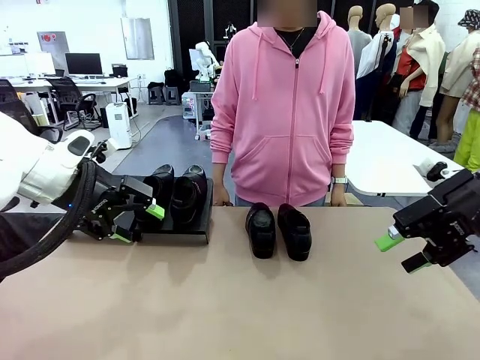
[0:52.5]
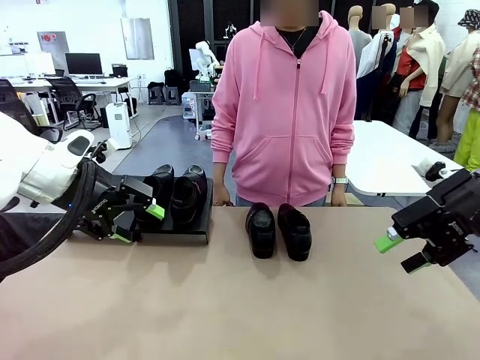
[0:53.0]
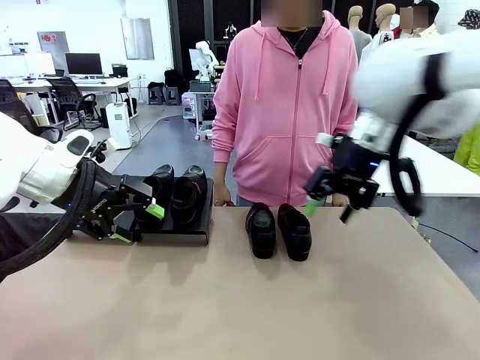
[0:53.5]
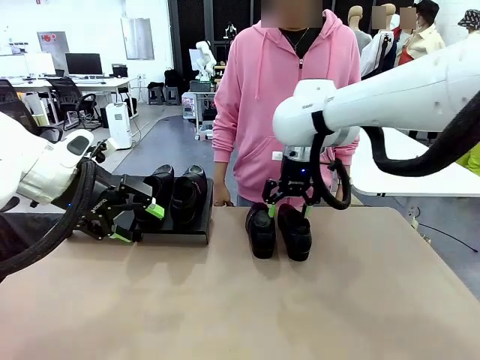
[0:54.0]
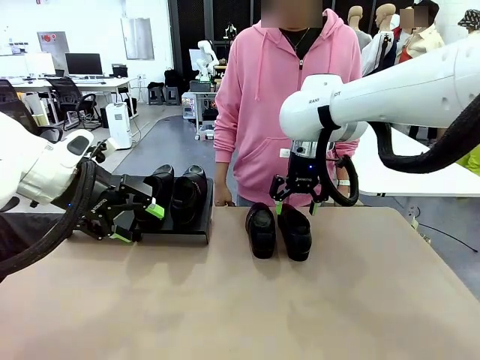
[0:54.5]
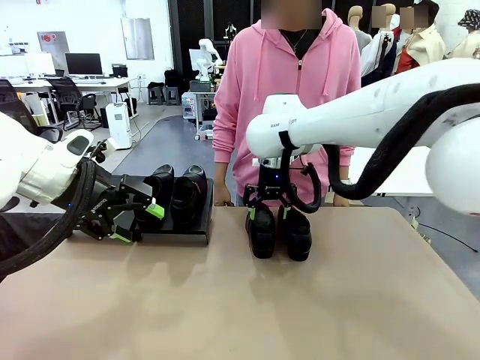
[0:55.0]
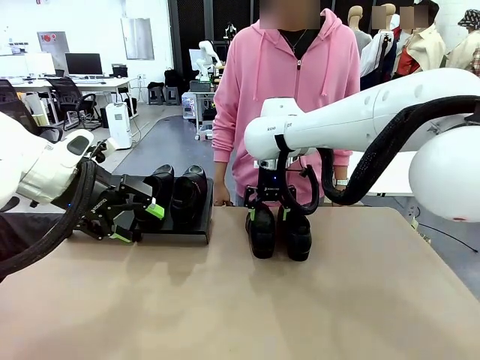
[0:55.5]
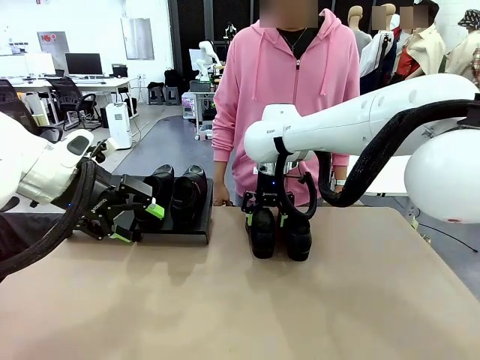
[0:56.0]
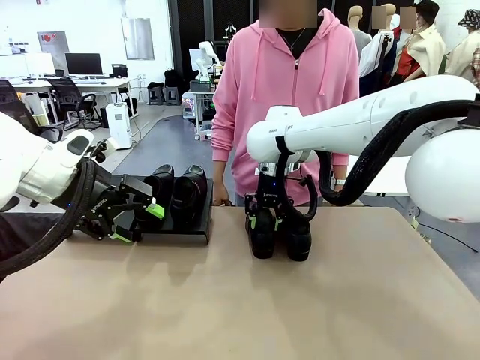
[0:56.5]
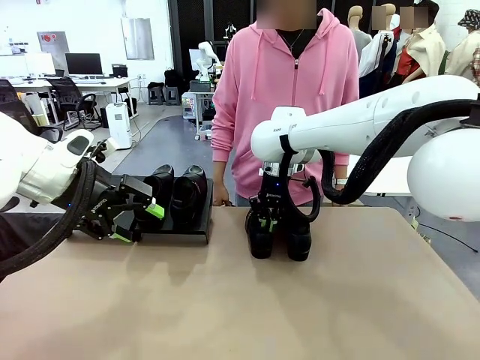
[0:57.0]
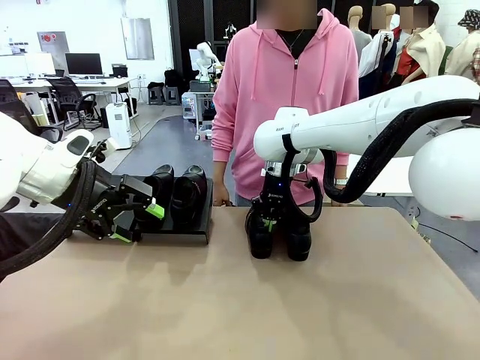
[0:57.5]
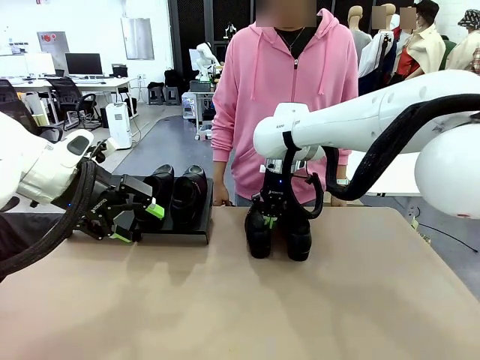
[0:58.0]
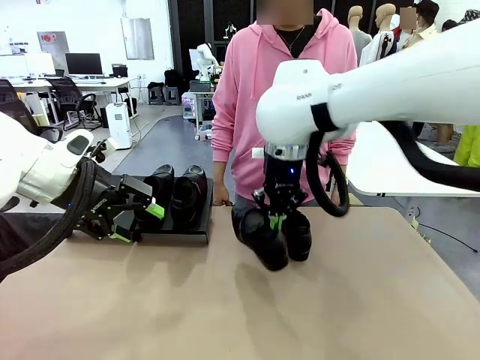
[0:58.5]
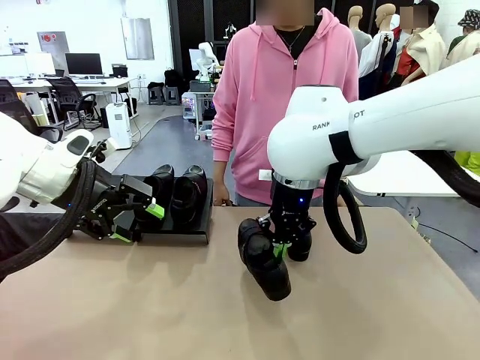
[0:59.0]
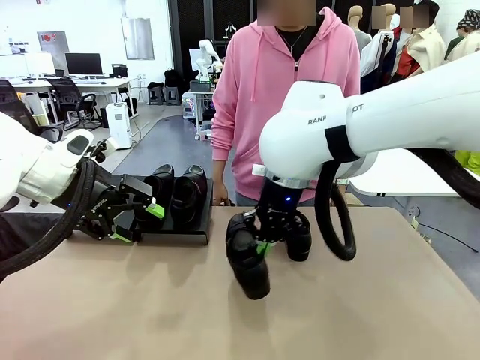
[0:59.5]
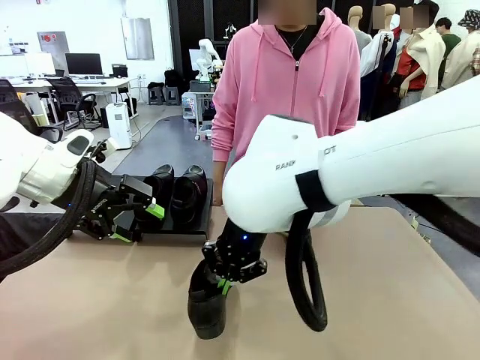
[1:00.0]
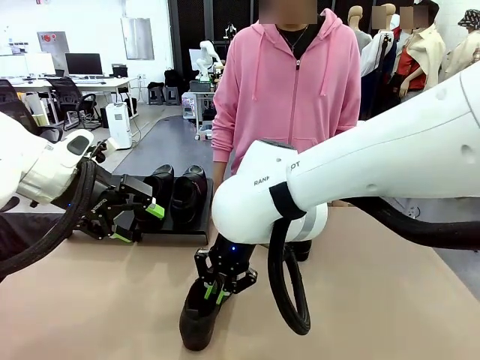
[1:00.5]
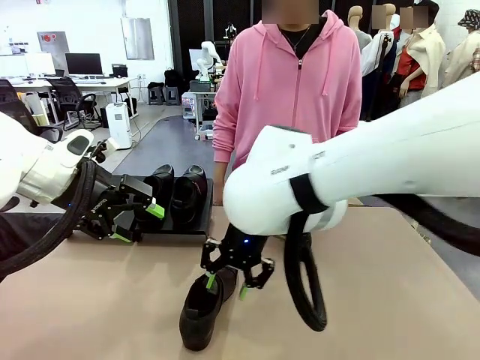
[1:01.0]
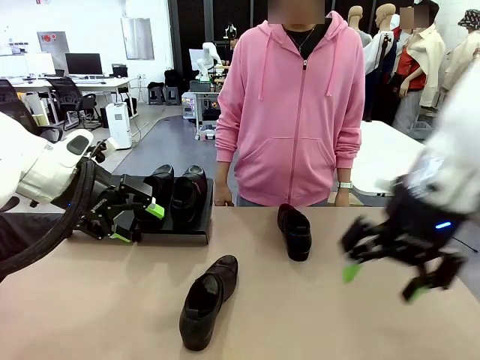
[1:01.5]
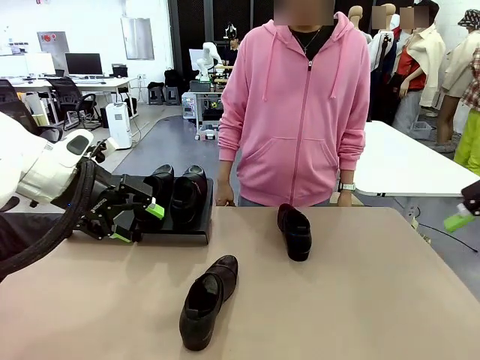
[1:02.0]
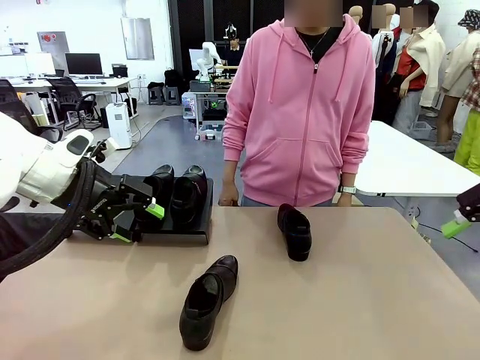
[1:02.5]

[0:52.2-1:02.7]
Task: Organize the shoes by placing them on the stand.
Robot: Pick up one Shoe and place it in the middle of the table.

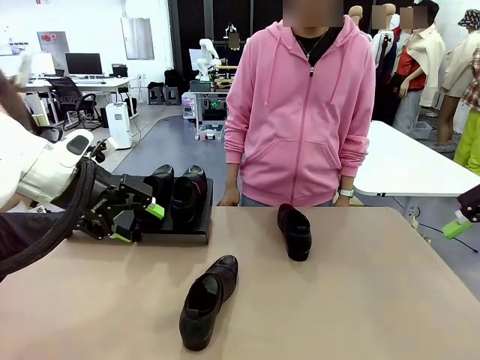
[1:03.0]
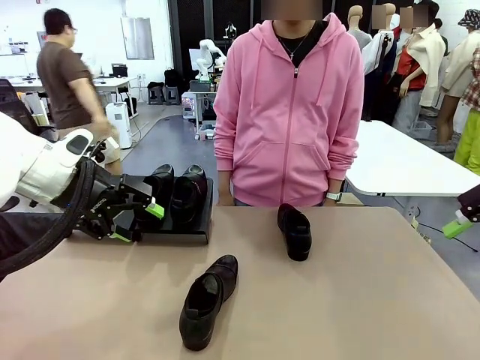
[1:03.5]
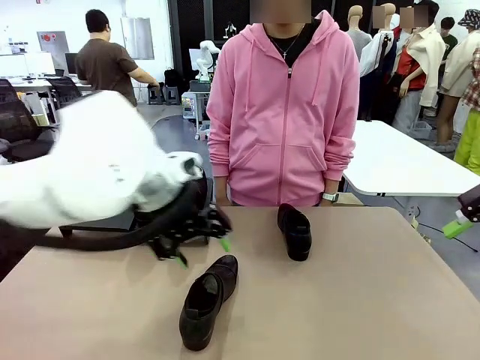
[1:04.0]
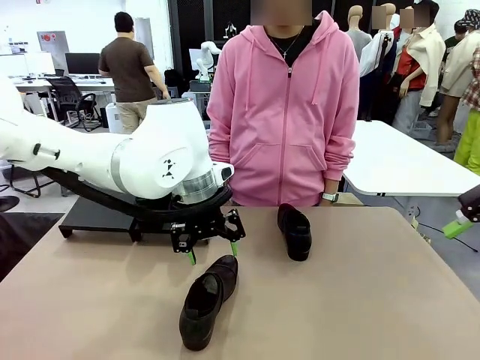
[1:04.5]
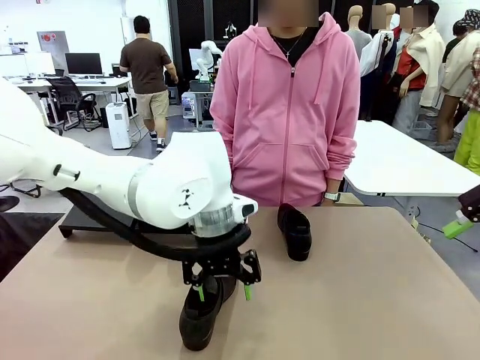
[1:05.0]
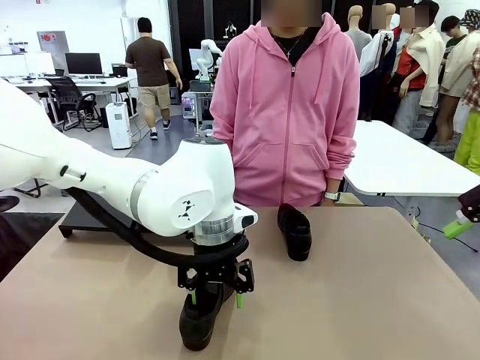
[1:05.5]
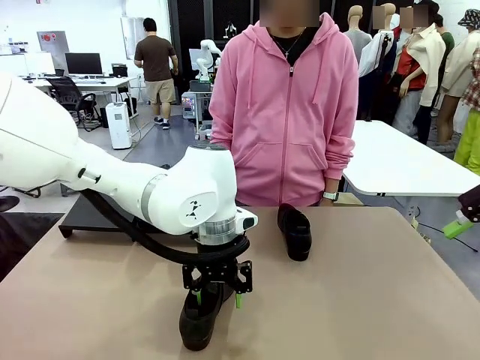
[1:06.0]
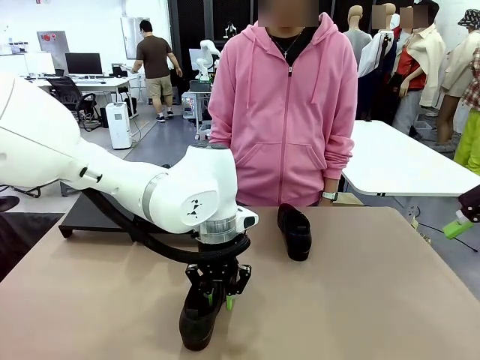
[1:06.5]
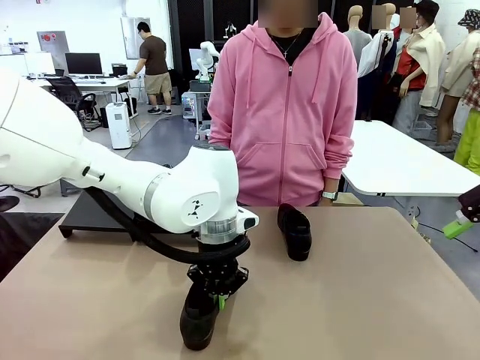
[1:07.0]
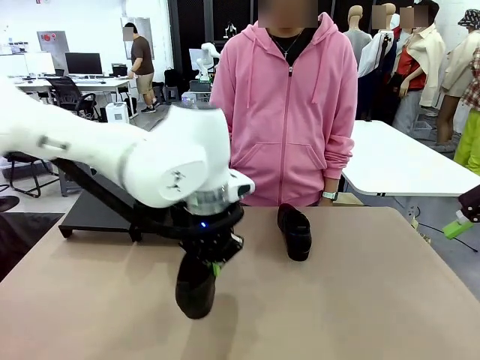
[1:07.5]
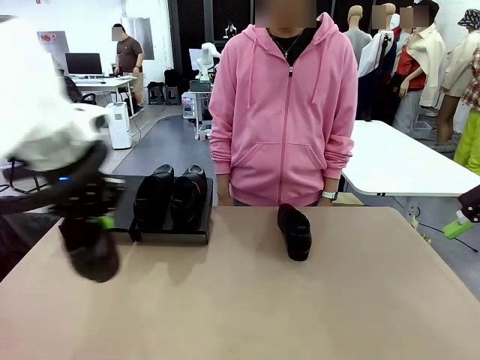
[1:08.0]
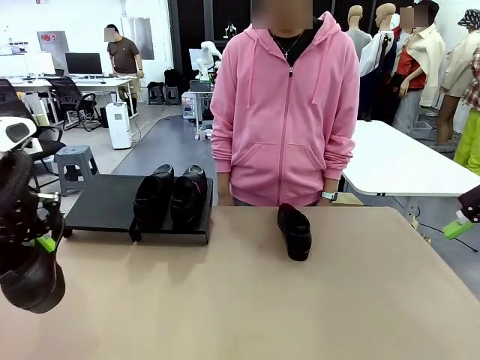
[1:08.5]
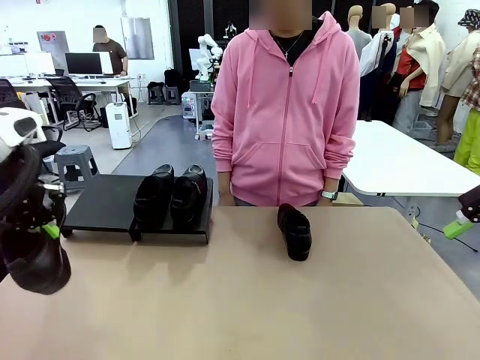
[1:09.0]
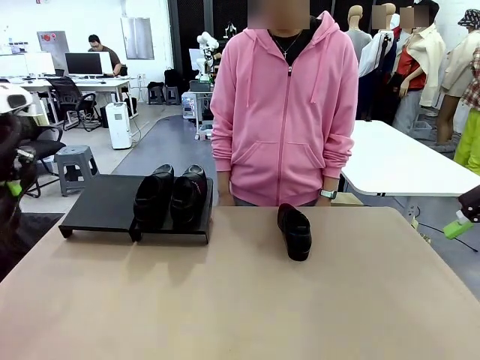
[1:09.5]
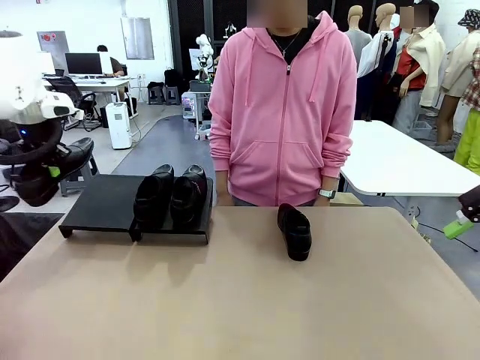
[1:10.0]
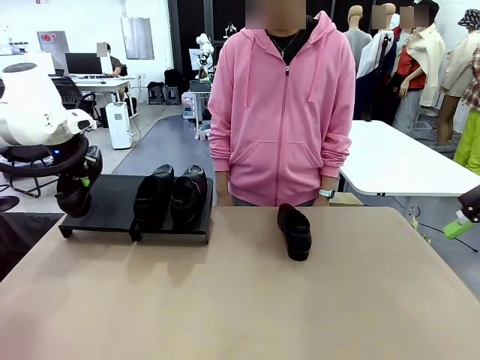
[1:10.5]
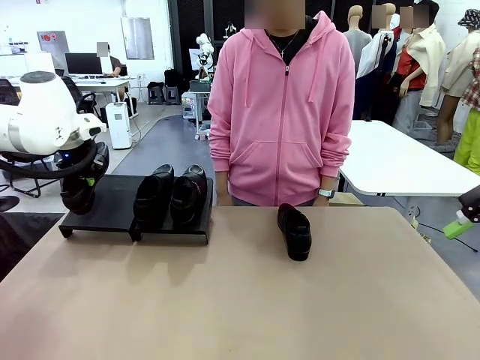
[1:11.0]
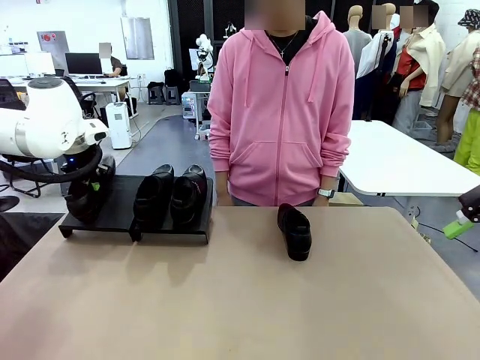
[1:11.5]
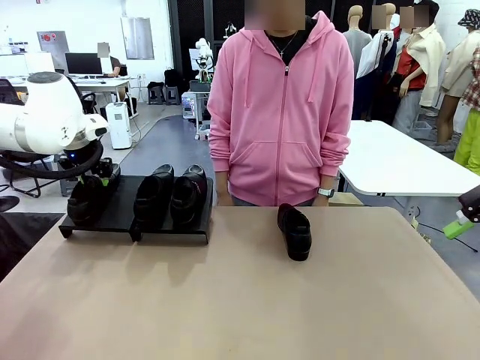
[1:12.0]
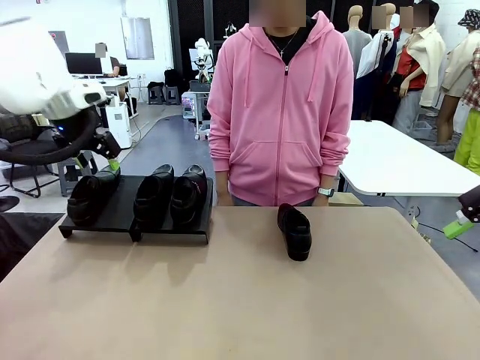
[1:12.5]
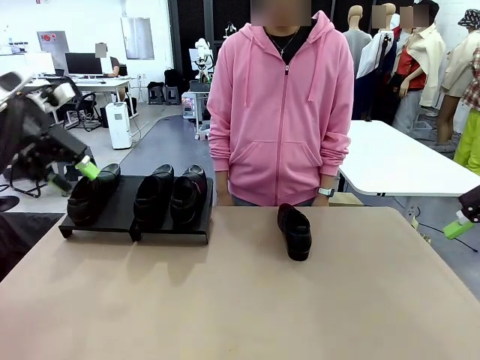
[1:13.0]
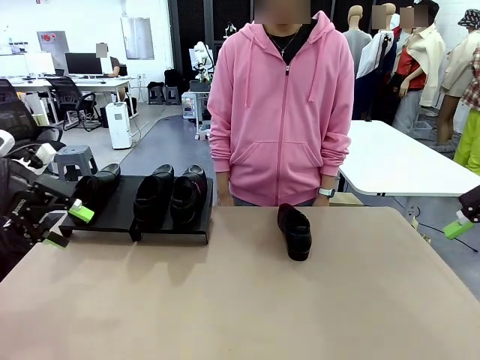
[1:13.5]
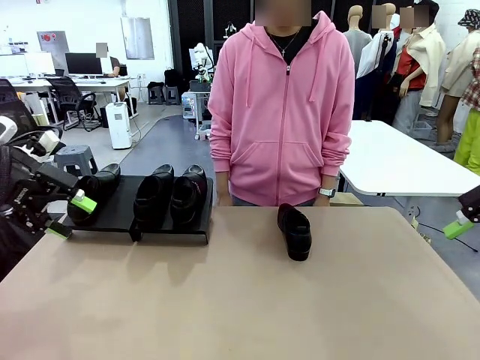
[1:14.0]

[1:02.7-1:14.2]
Robot: Place the Shoe from the middle of the table onto the Shoes Stand.

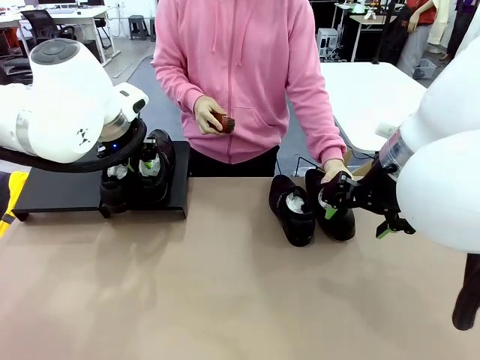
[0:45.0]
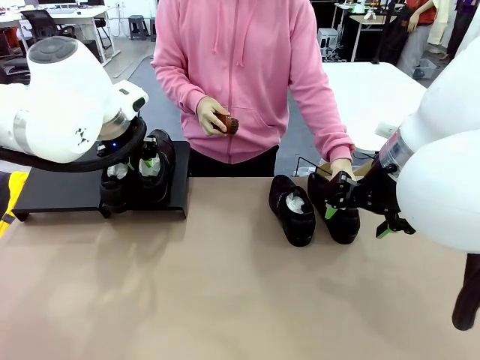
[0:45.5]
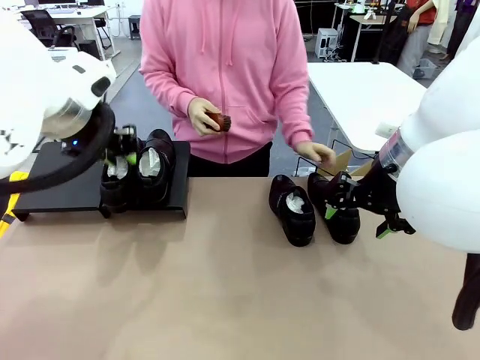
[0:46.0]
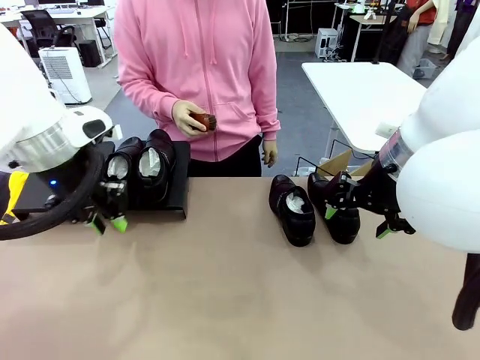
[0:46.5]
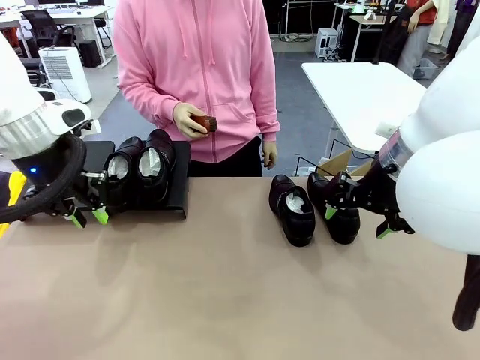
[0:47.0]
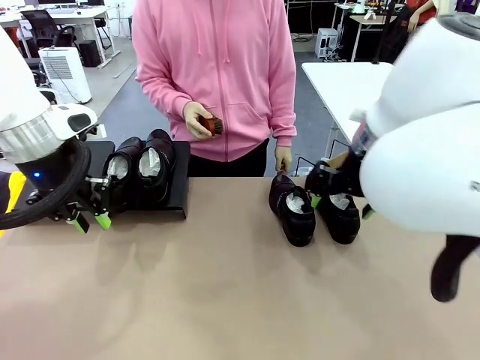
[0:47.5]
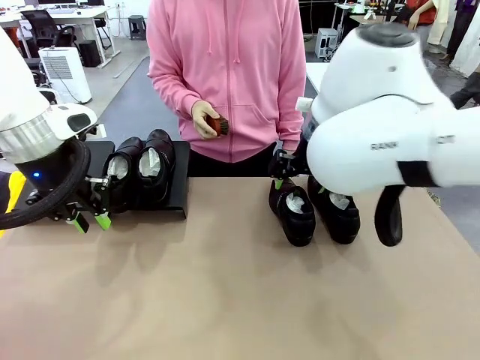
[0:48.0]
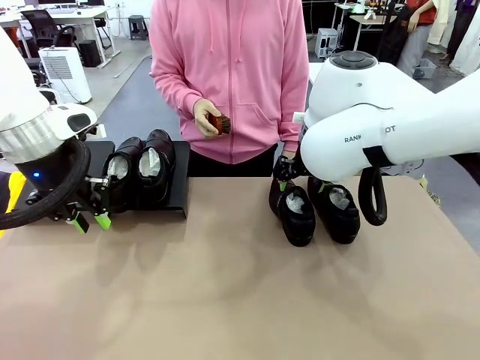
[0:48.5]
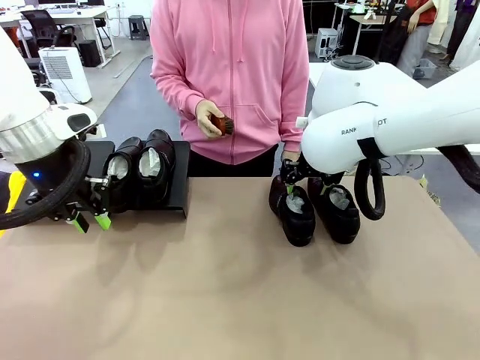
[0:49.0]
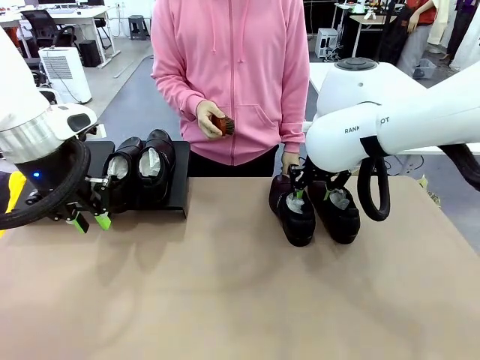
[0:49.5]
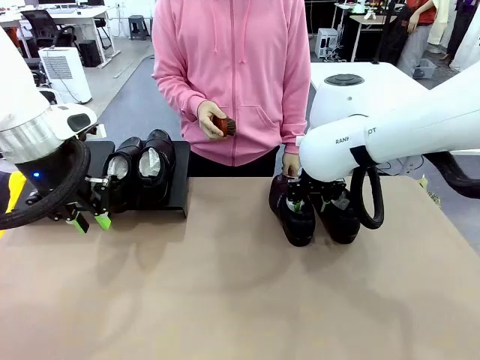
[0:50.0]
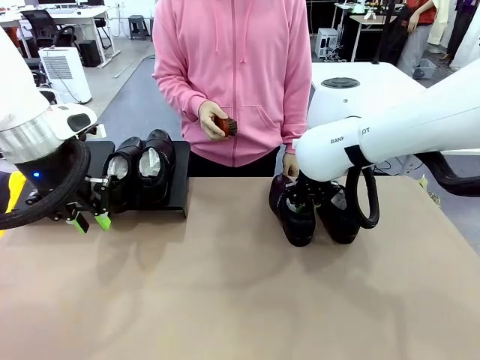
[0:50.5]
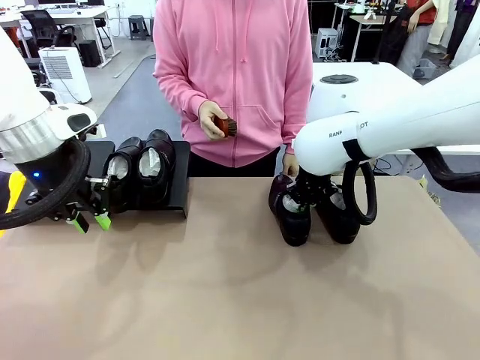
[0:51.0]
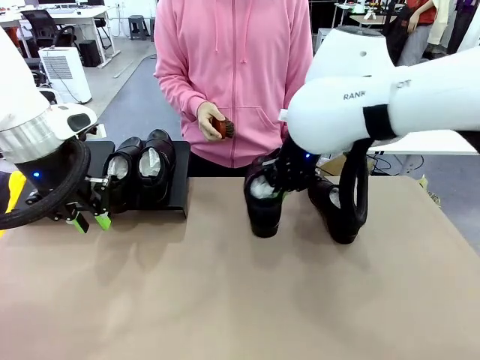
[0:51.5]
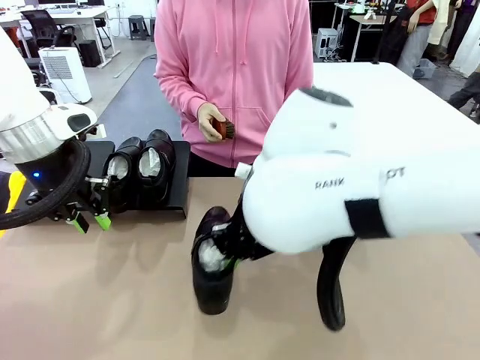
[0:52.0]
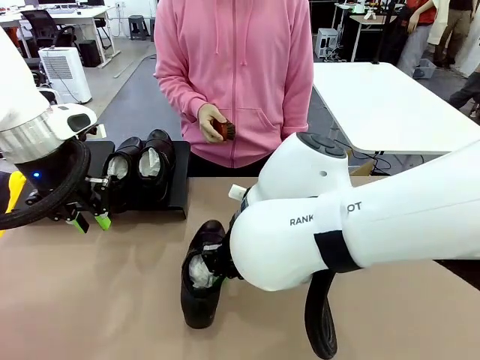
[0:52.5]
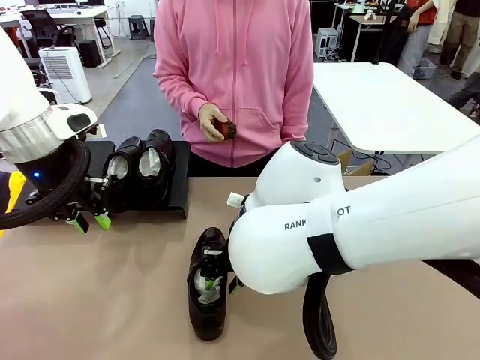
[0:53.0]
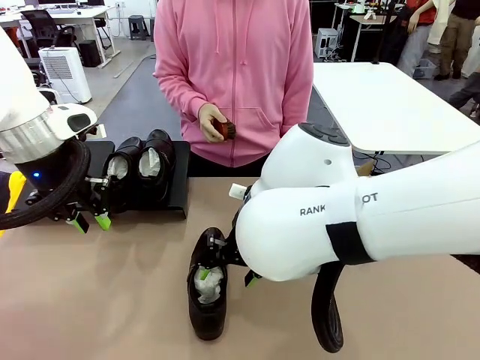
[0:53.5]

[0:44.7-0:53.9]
Task: Organize the shoes by placing them on the stand.
Robot: Pick up one Shoe and place it in the middle of the table.
